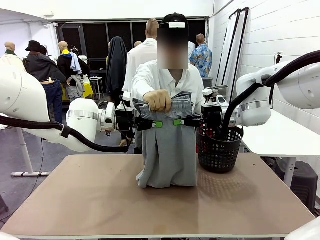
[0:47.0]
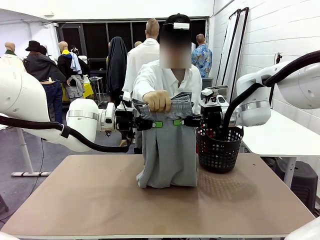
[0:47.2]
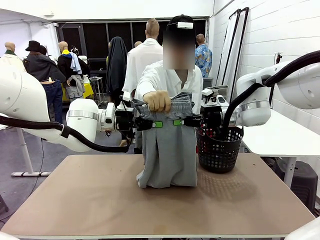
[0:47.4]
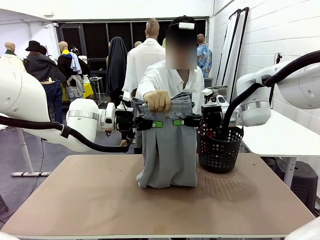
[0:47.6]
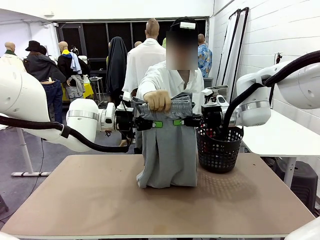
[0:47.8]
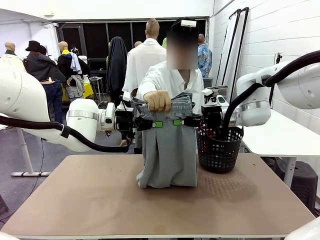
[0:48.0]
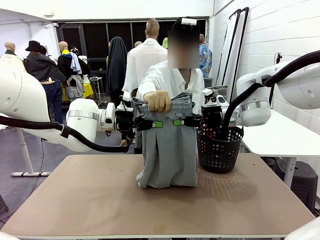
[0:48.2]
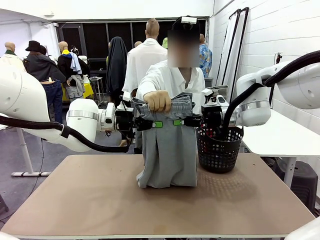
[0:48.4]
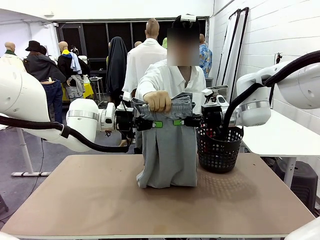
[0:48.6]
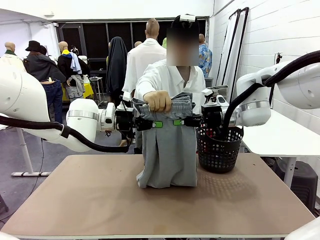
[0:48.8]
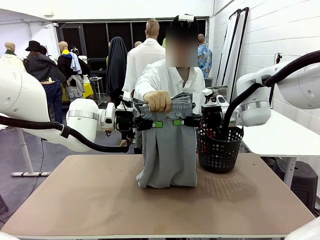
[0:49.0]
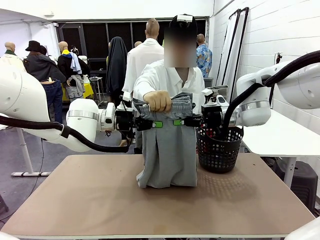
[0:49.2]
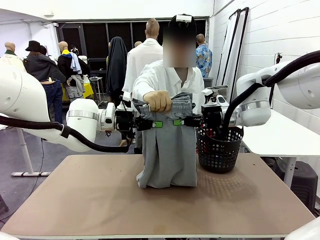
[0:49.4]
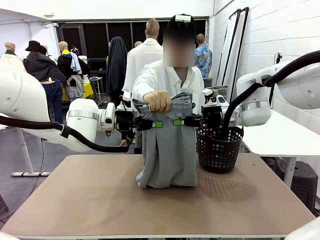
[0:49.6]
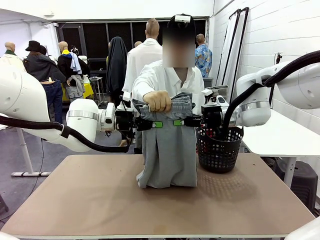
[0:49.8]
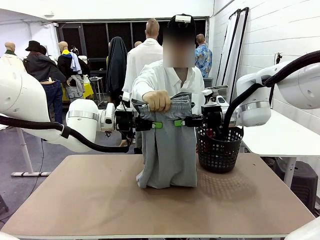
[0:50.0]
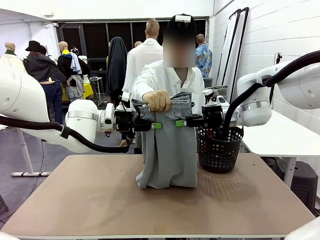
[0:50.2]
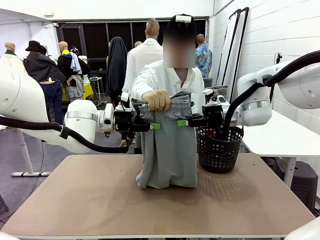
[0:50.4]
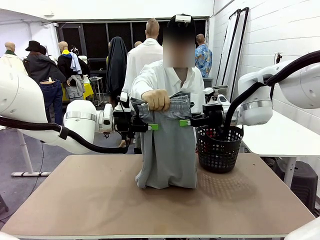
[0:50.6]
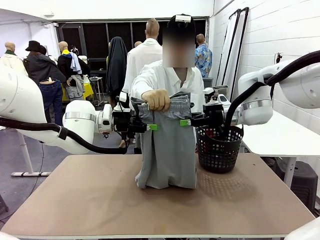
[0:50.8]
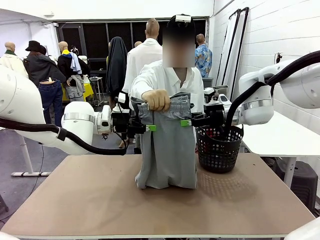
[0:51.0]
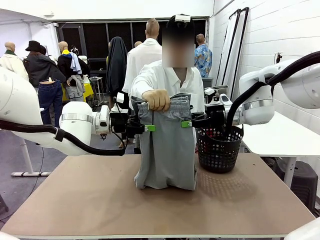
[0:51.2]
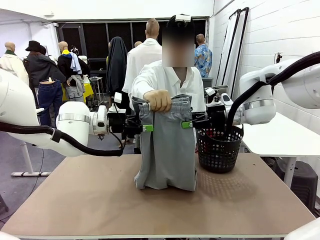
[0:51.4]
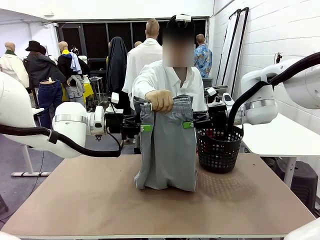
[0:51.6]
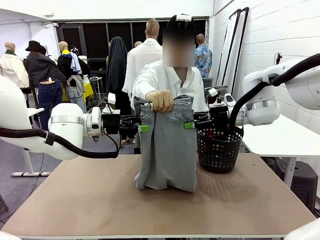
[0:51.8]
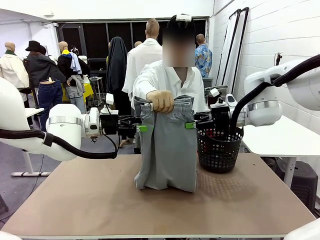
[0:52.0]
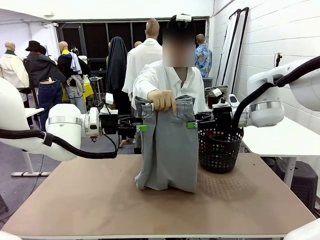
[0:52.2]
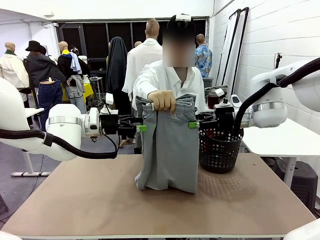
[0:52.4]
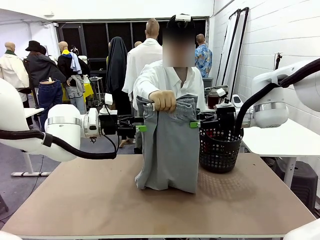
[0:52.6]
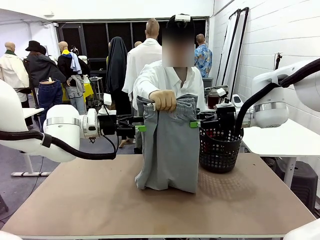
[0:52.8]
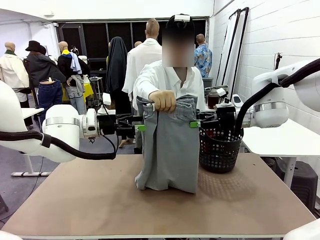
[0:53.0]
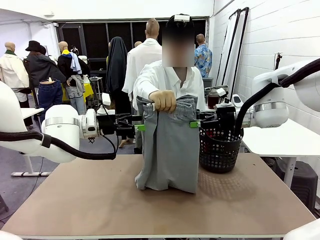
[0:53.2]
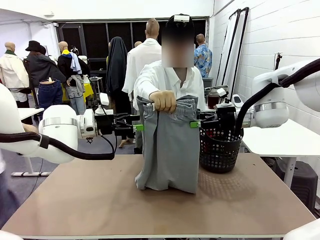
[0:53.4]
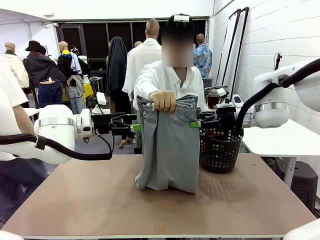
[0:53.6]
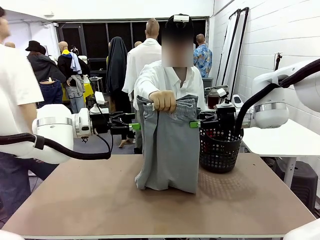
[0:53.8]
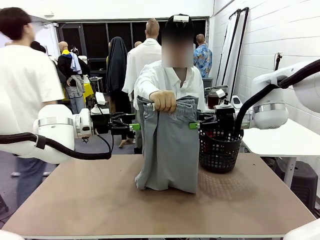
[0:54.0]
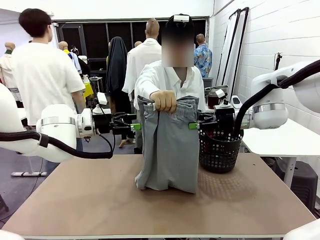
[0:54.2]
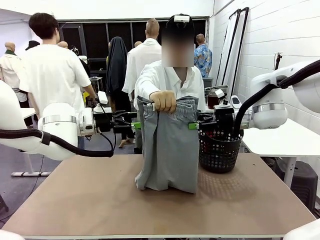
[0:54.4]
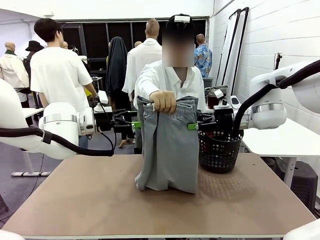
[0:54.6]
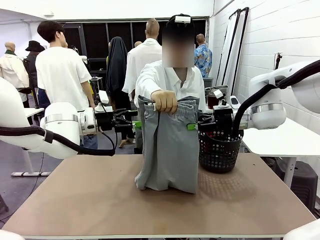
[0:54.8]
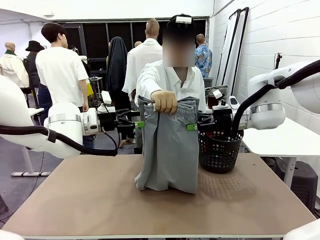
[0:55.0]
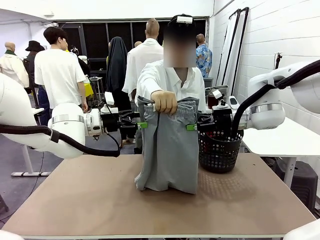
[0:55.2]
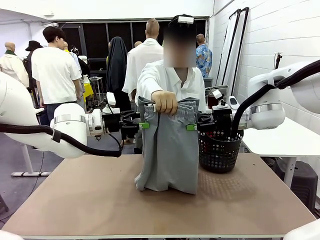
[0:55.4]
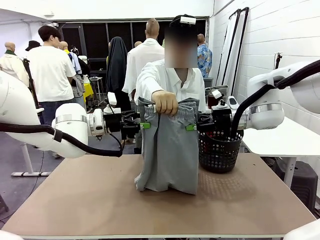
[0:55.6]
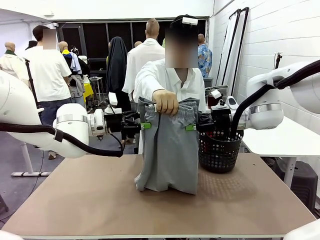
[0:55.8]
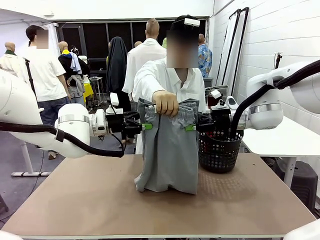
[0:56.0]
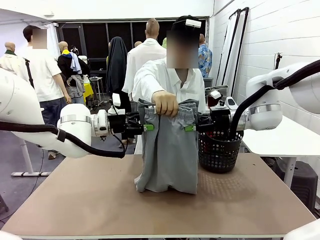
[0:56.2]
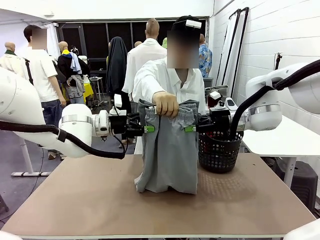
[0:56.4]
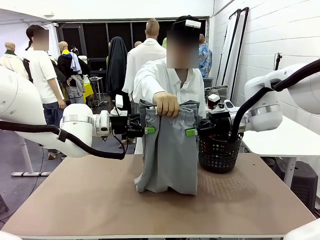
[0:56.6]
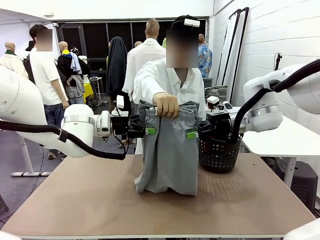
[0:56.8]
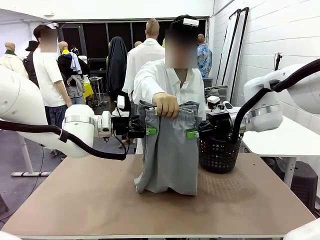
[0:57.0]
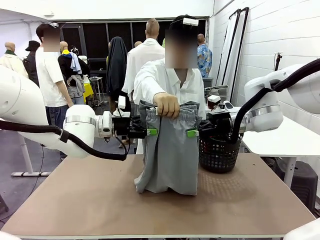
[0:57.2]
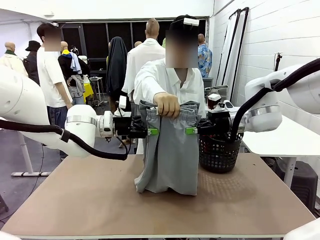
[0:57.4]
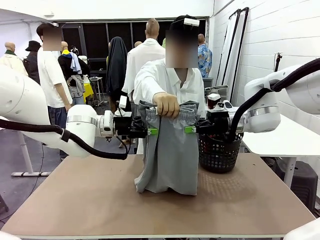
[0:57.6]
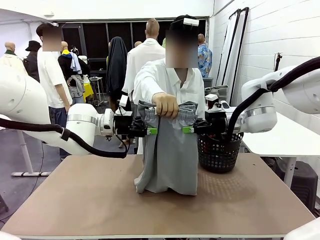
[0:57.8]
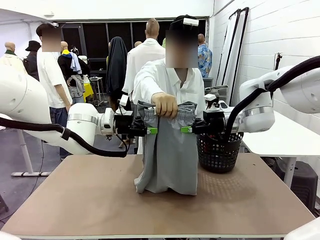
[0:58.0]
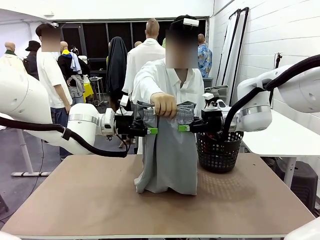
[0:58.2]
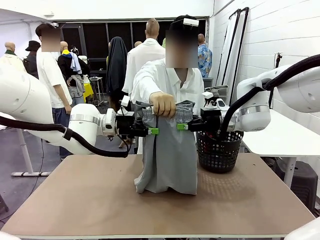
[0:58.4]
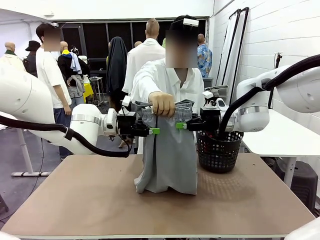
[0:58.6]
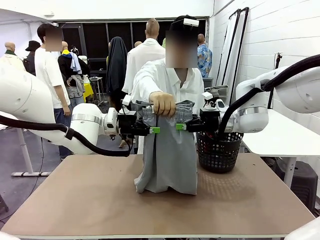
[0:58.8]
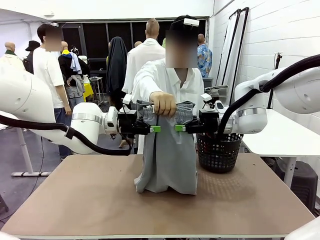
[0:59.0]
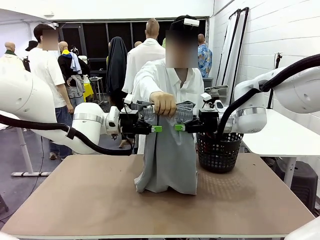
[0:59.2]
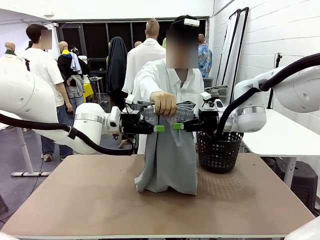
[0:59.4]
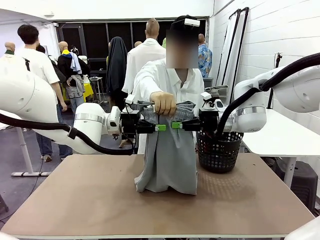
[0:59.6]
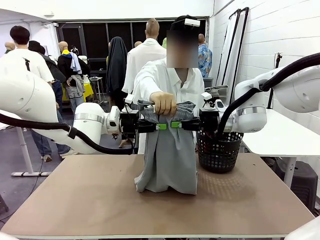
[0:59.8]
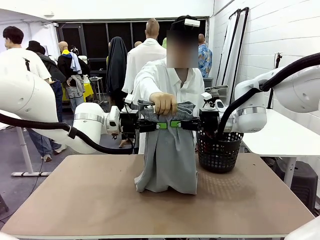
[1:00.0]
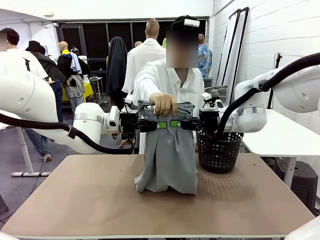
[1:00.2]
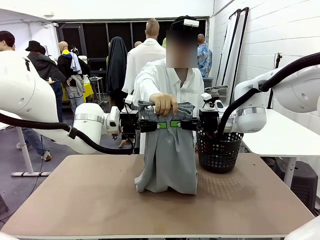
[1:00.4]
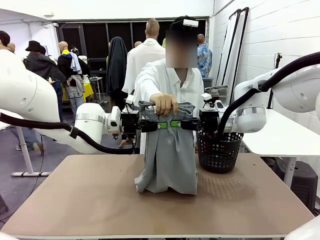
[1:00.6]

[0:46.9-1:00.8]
Task: Fold the training pants.
Robot: Release the ends of the Training pants and then grab the overlapped ends.
Person: Release the pants you were holding.

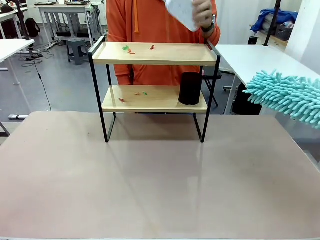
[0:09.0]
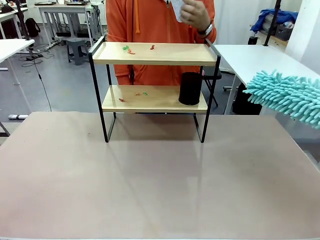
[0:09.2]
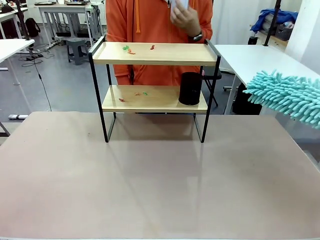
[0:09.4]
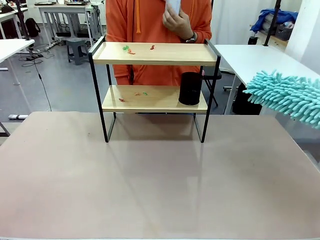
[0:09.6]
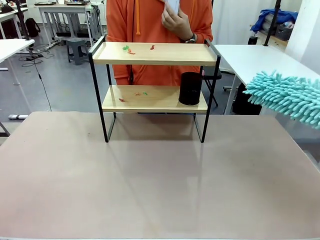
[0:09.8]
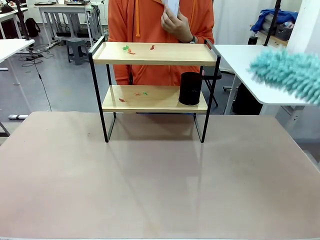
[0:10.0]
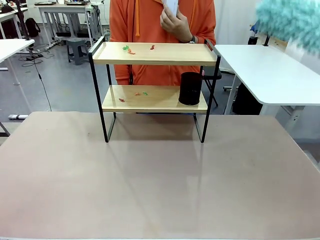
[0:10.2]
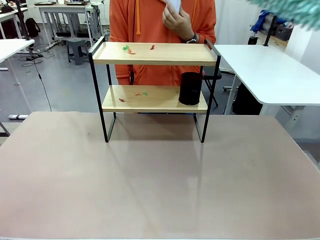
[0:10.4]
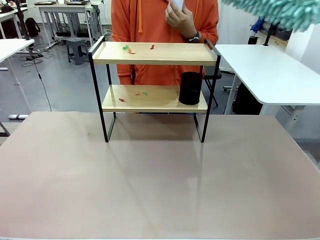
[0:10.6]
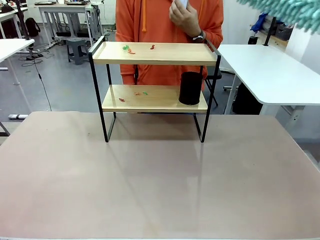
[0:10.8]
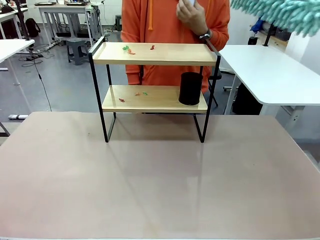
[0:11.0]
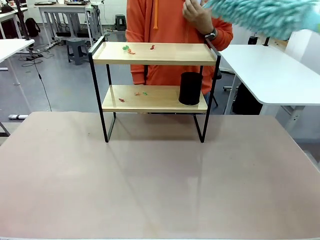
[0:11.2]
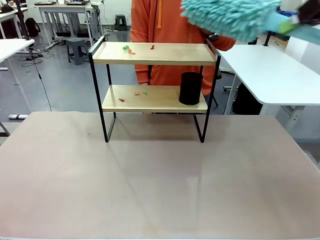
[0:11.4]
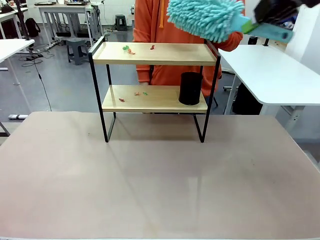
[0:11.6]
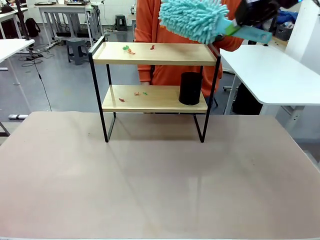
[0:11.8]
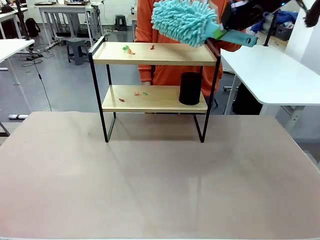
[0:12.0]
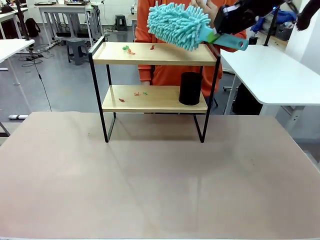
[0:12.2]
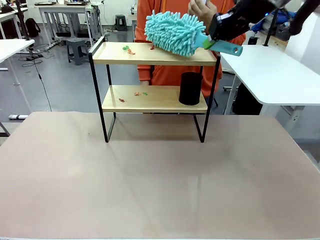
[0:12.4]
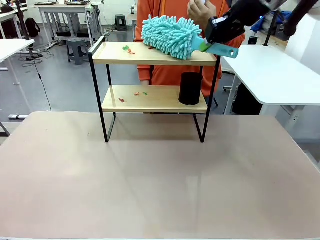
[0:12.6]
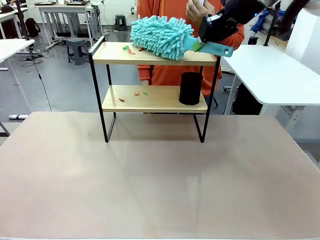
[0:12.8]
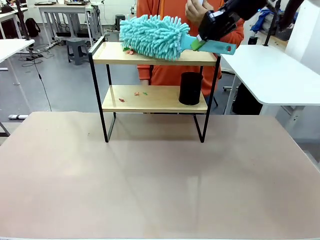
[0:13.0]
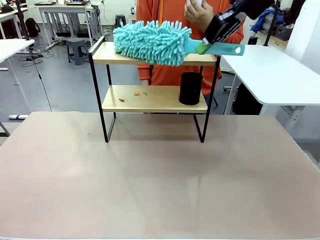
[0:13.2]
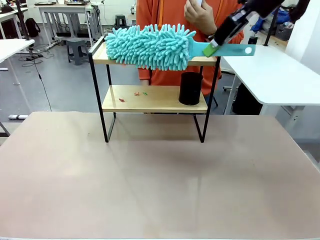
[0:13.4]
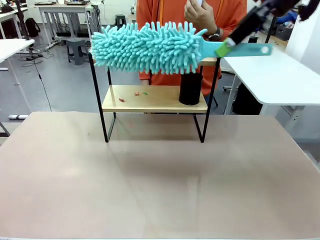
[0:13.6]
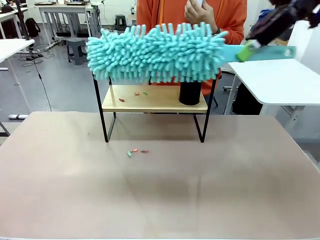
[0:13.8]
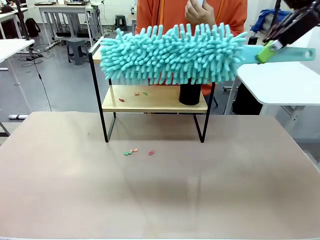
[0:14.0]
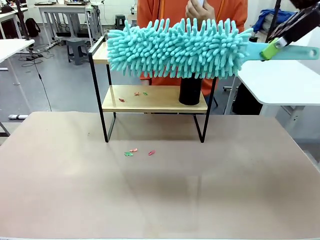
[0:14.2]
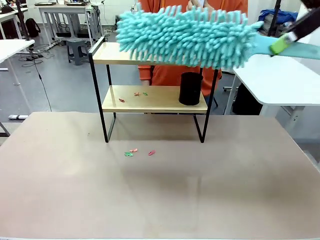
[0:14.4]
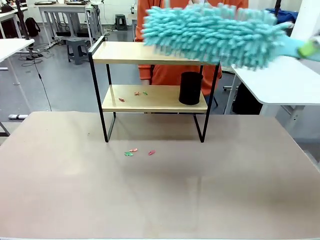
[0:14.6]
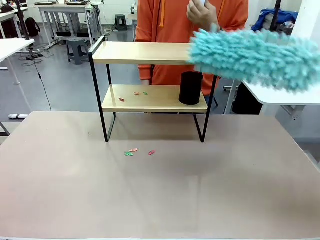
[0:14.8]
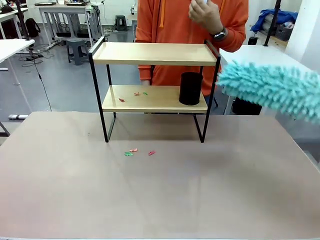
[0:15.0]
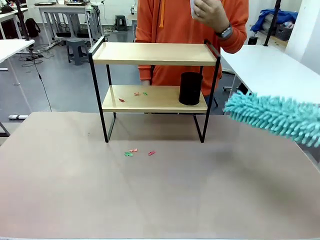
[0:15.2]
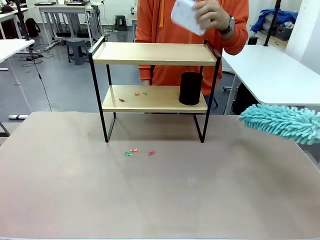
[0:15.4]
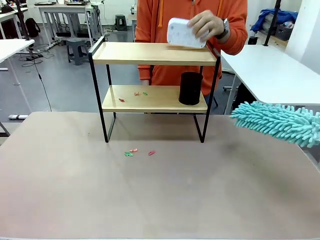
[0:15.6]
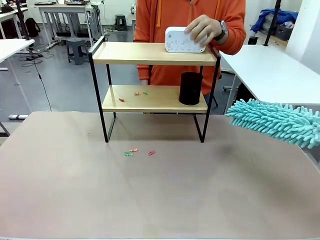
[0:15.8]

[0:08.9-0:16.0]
Task: Clean the shelf.
Robot: Clean the specific tier of the Shelf with the Duster once objects are removed.
Person: Once the robot finishes cleaning, lift the objects on the remaining tiers of the Shelf.
